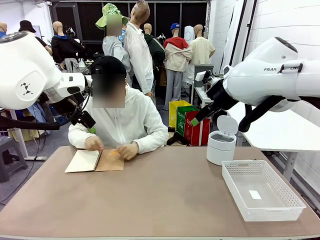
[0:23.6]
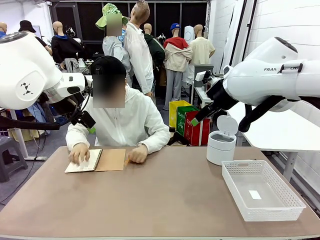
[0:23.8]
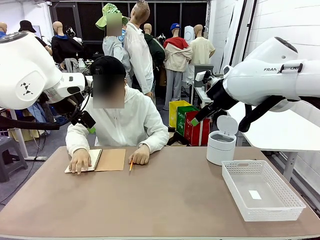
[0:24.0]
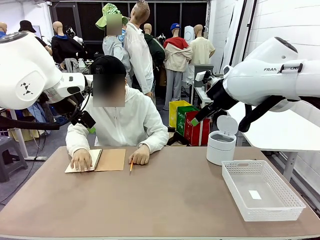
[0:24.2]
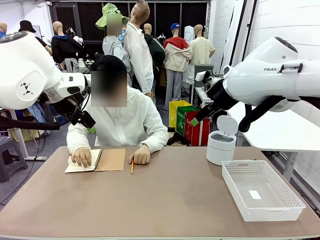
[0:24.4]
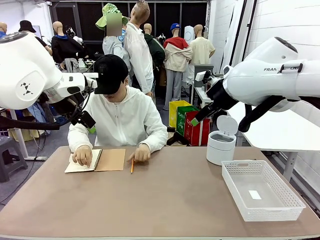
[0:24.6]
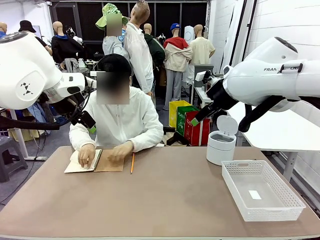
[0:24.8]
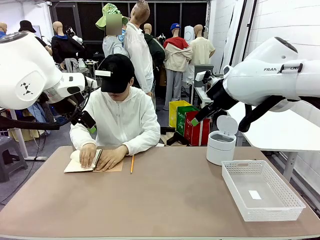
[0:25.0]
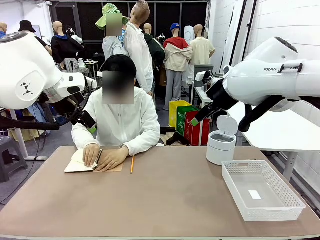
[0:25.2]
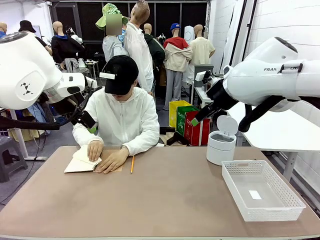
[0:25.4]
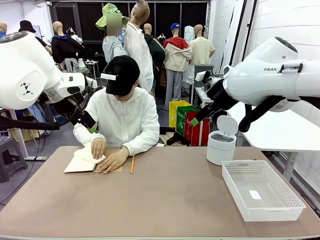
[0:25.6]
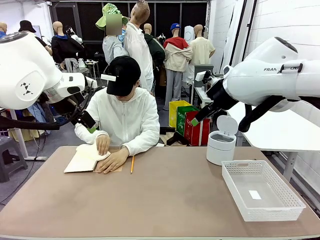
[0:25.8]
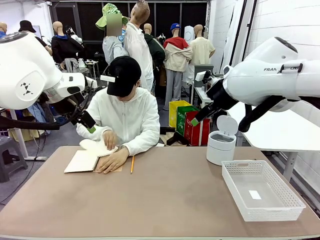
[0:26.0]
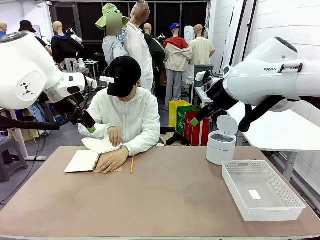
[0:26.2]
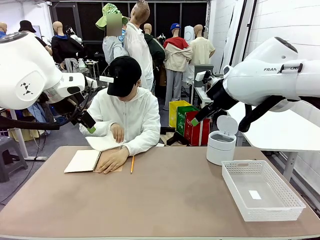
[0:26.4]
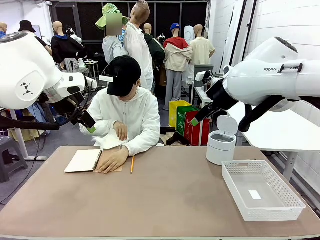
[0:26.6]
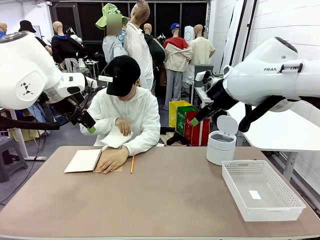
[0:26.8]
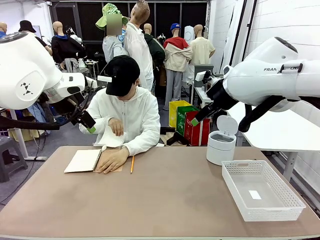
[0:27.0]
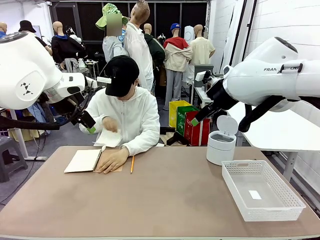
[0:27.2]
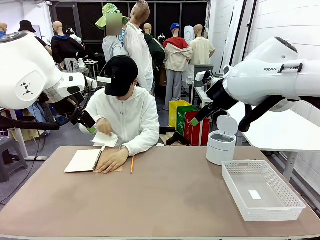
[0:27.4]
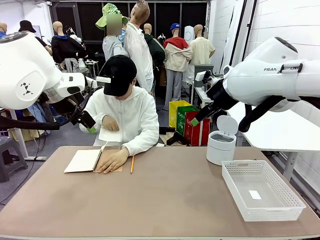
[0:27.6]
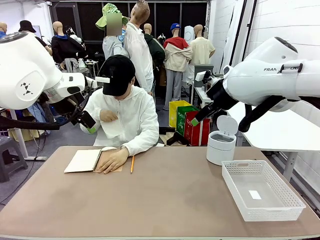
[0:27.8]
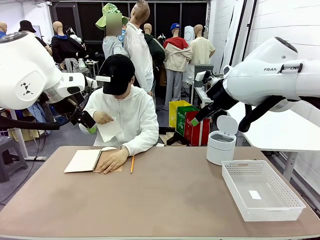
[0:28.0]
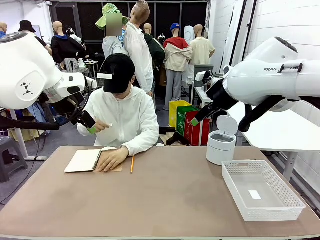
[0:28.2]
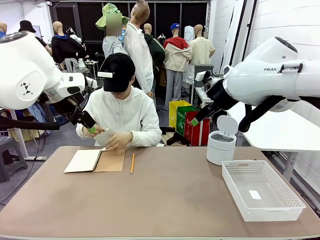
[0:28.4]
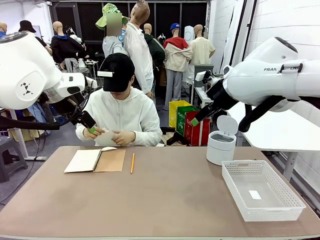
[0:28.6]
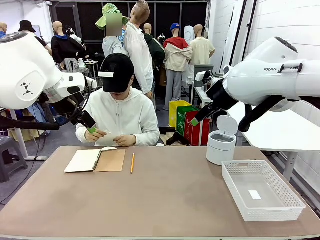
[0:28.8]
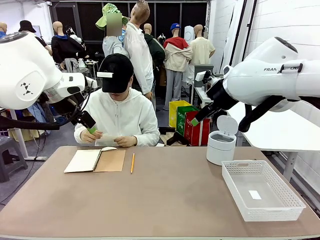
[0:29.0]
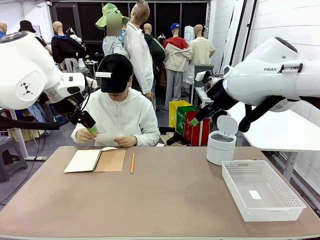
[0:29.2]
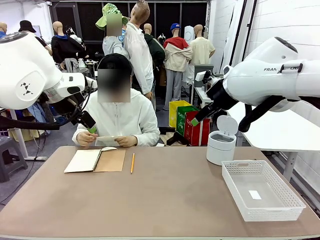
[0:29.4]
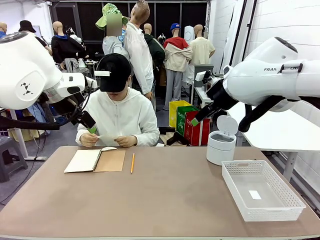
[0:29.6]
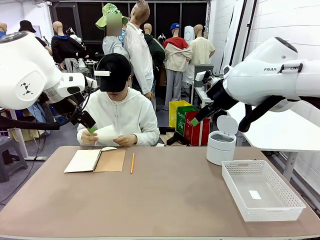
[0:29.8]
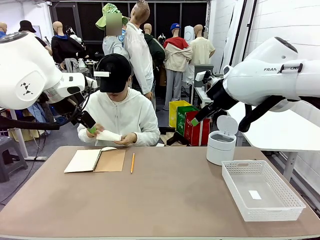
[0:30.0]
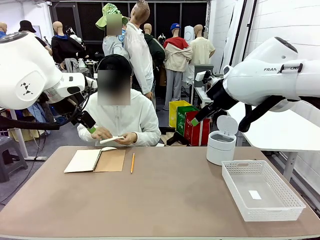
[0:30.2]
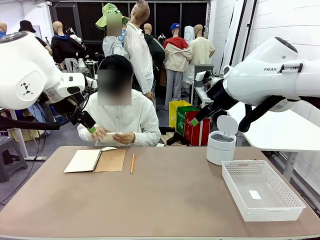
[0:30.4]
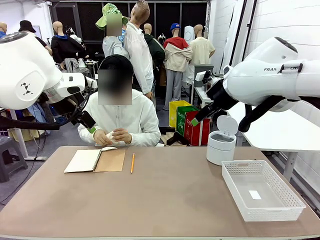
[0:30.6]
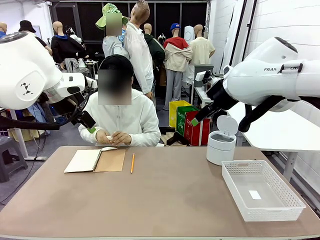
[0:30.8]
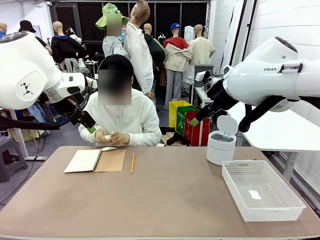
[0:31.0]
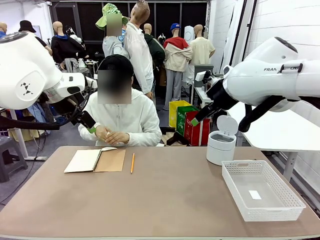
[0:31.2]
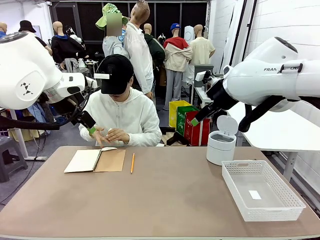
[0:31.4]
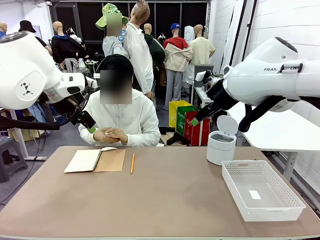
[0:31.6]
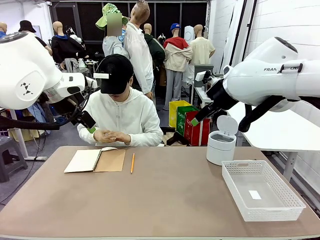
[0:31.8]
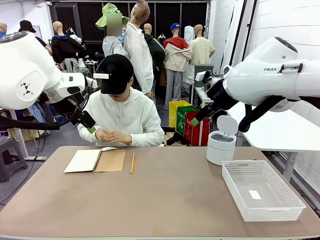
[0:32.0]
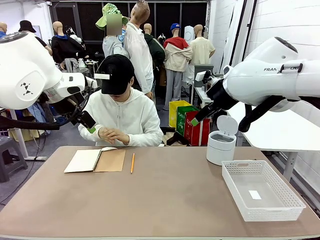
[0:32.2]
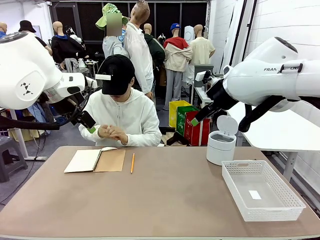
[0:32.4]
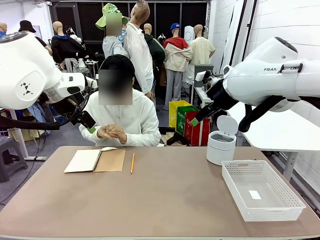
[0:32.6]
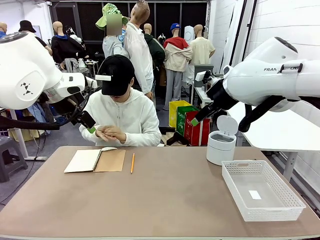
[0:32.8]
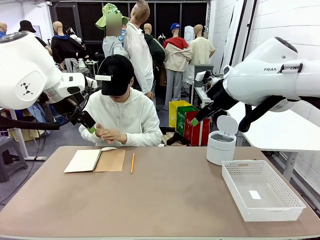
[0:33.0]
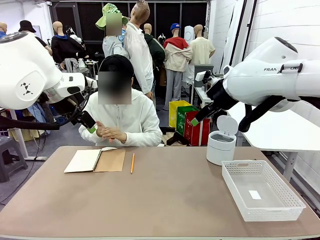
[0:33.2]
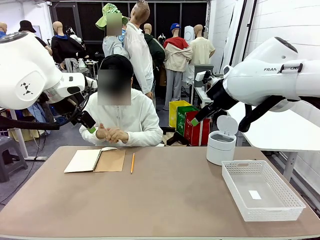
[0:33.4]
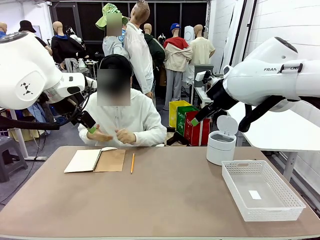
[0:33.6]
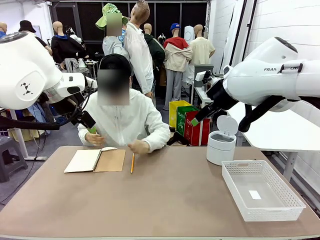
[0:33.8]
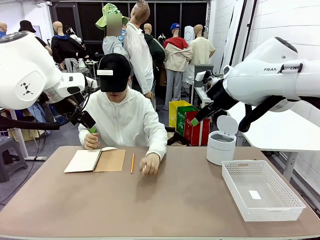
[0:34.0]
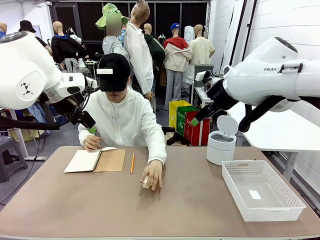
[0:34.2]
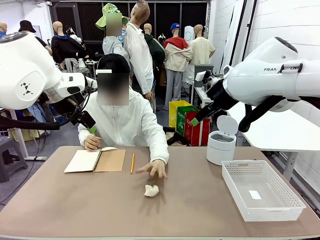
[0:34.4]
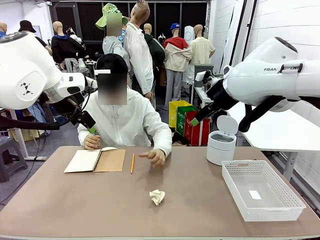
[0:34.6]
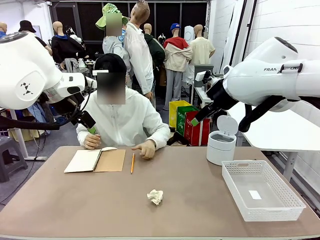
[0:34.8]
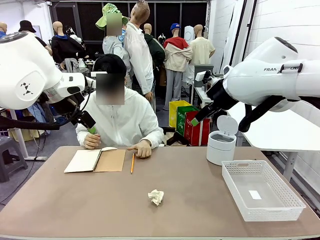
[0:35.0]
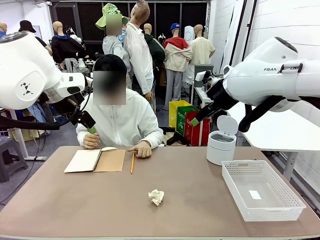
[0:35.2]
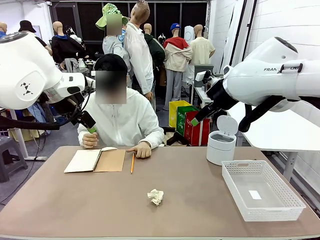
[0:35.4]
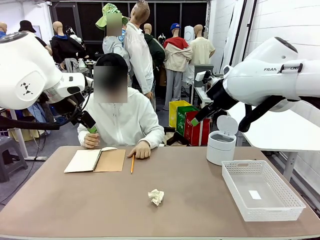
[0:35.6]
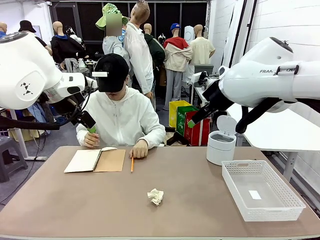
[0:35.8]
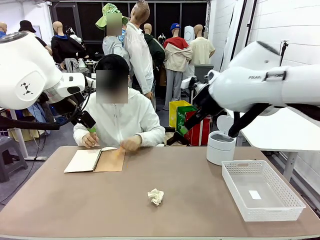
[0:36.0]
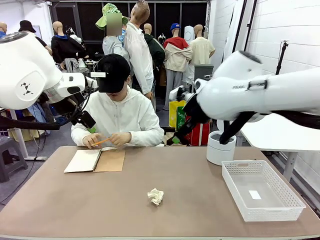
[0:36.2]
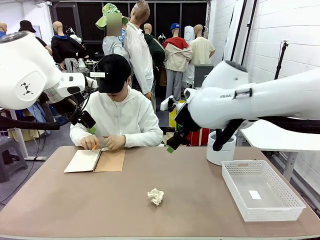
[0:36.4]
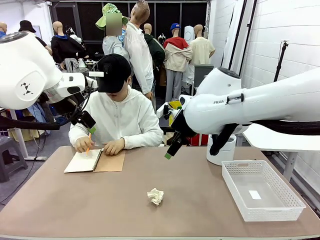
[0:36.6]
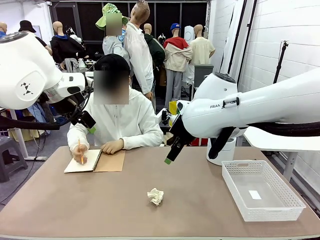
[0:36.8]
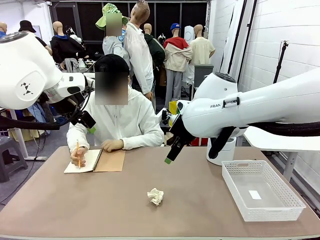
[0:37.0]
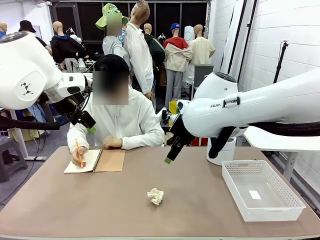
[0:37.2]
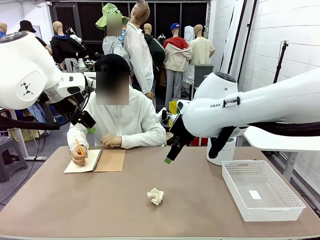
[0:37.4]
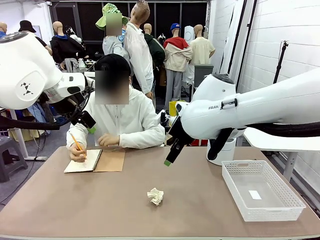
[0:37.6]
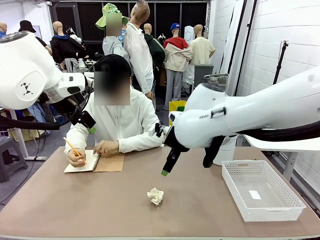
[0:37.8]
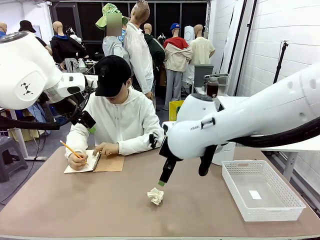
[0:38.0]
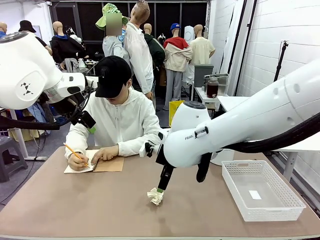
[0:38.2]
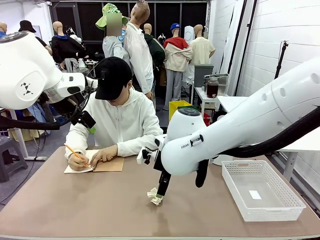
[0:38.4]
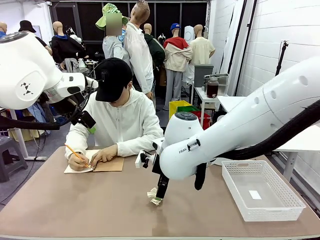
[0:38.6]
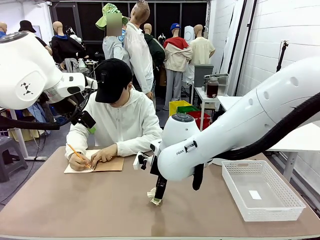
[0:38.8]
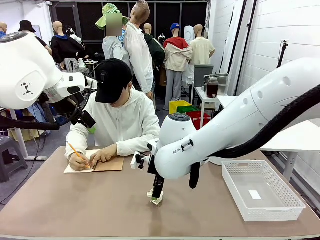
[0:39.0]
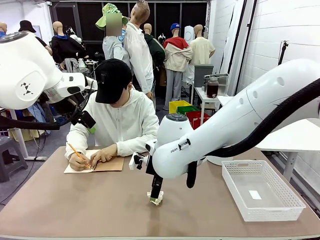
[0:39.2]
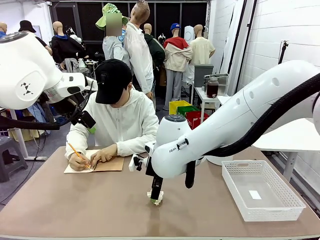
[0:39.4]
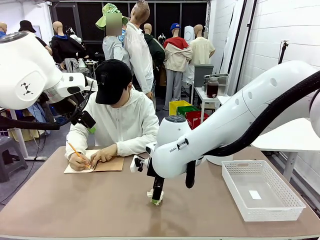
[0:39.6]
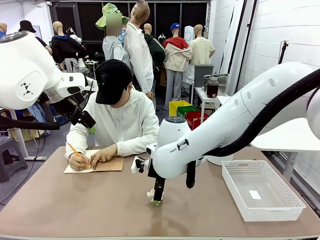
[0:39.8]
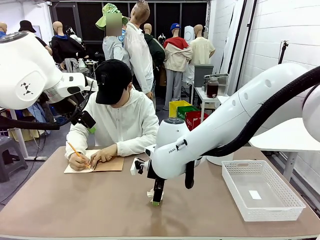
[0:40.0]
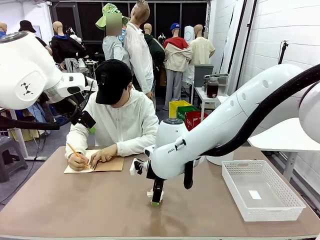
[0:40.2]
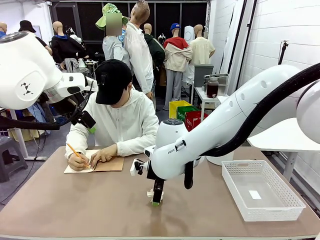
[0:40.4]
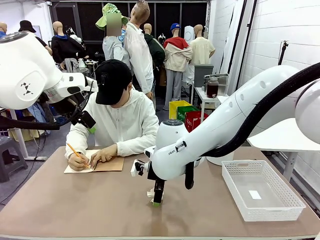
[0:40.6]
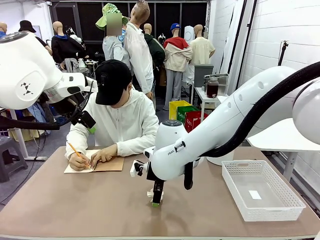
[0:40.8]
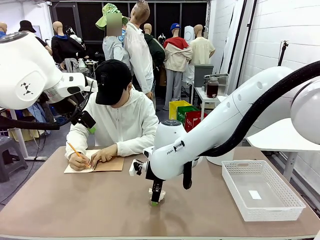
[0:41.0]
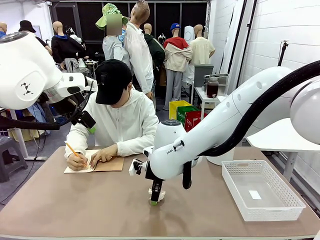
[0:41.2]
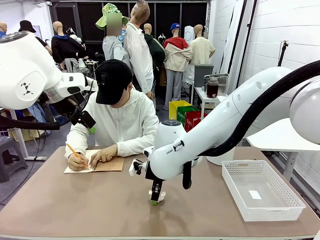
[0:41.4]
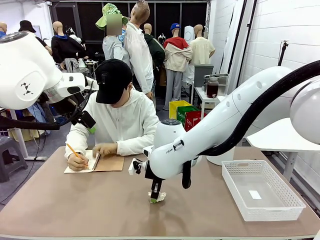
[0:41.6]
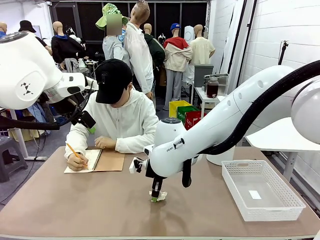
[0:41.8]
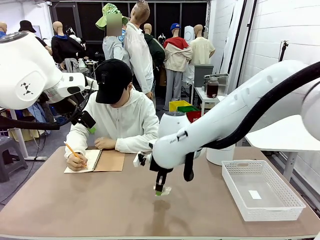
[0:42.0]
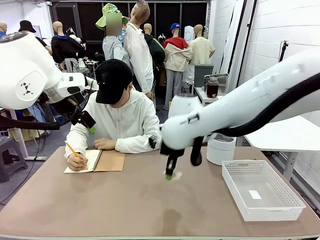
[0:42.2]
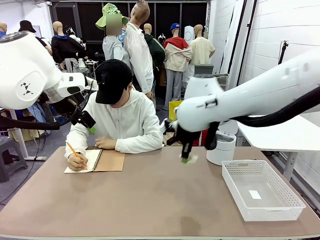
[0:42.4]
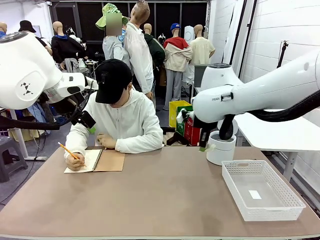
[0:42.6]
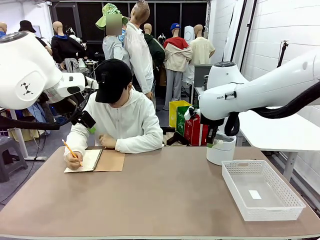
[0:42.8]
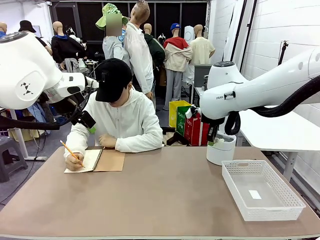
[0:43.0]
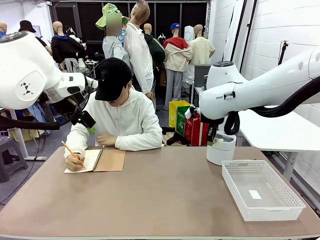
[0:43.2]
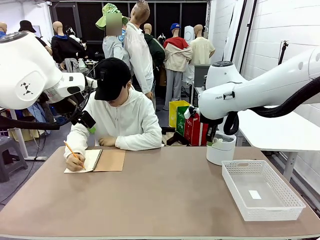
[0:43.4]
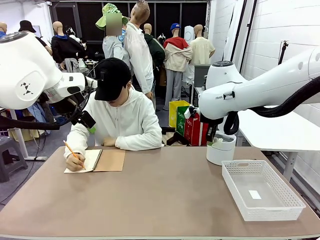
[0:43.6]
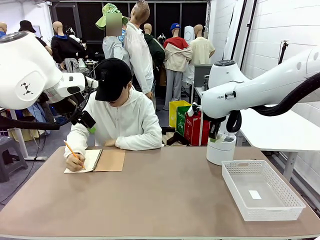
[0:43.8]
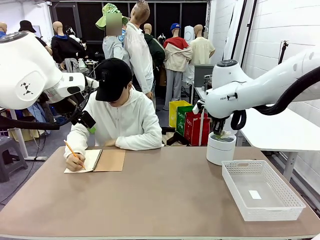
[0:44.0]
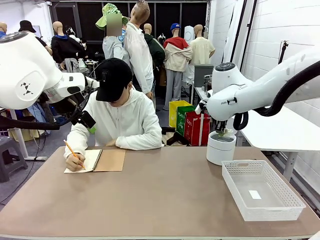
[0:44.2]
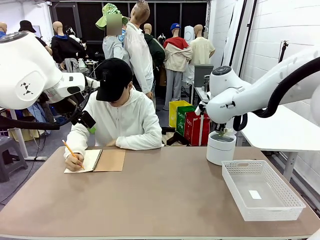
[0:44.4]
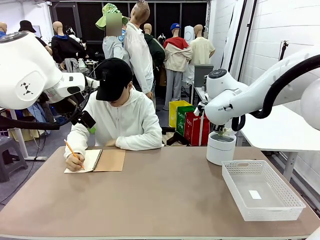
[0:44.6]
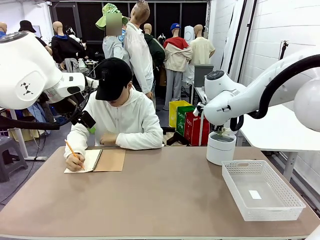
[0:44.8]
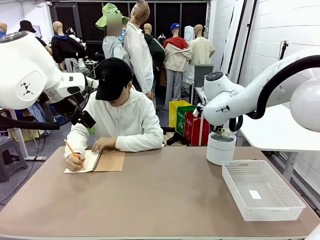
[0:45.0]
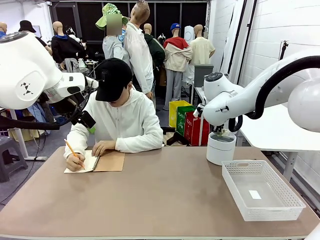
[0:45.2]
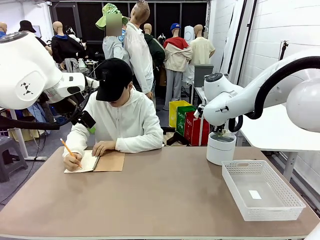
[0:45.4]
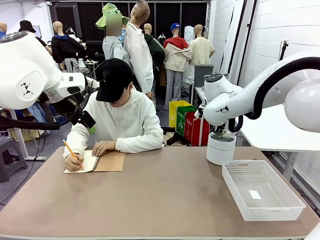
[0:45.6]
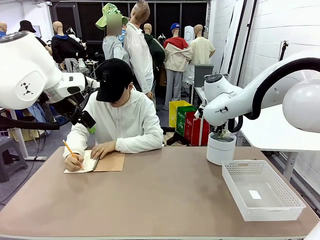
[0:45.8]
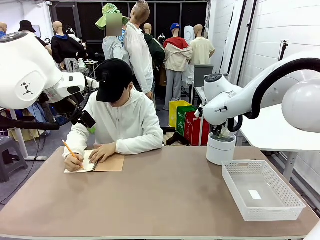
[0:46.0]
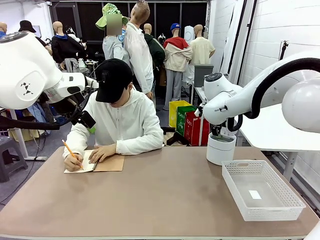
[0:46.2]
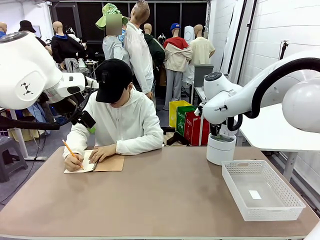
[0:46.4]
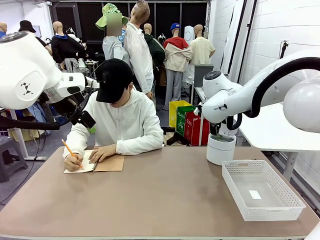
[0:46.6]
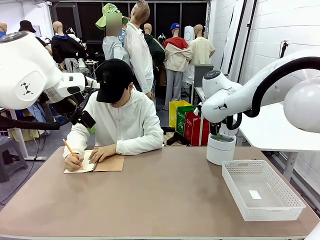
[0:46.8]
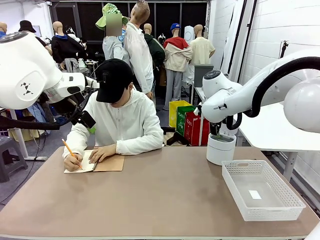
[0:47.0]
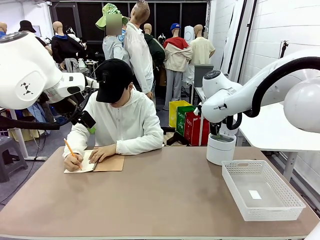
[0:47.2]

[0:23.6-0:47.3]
Task: Sort the paper based on its condition.
Robot: If a person hands you a paper, place it in the Organizing basket , and if it's crumpled, put it in the Trash can.
Person: Hand the torn page to the robot or crumple it and throw it to the center of the table.
